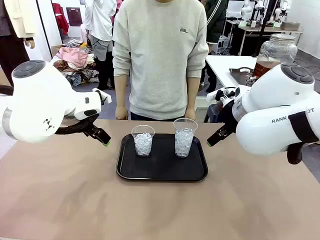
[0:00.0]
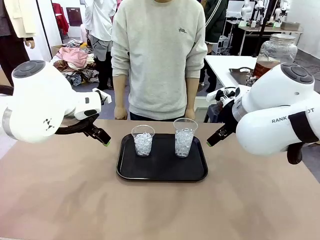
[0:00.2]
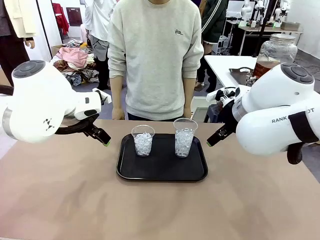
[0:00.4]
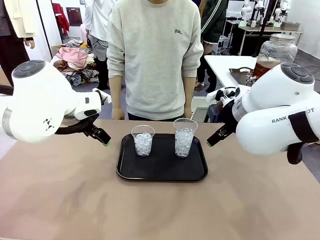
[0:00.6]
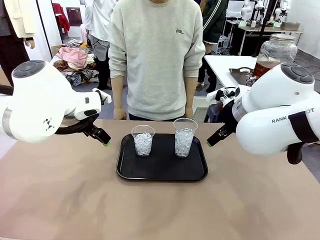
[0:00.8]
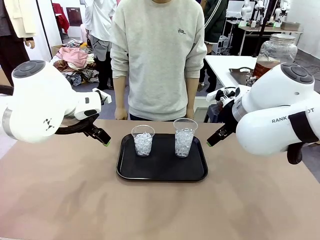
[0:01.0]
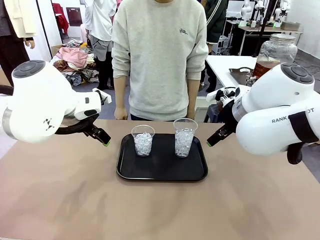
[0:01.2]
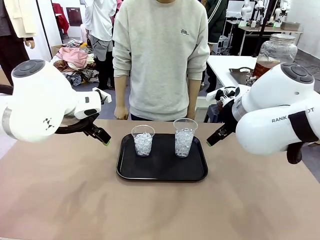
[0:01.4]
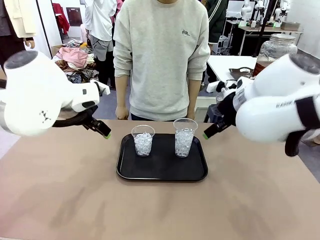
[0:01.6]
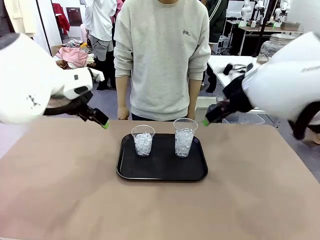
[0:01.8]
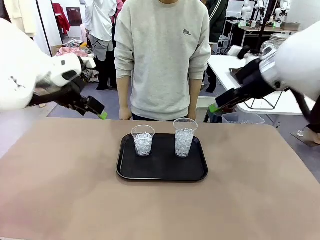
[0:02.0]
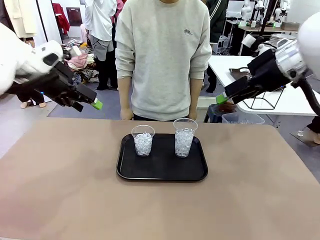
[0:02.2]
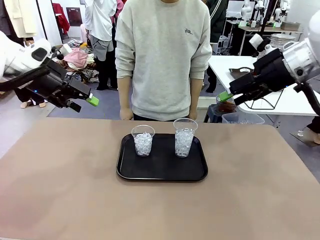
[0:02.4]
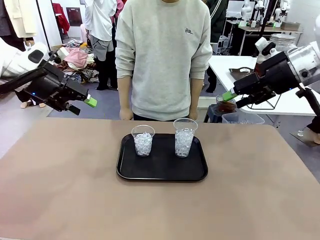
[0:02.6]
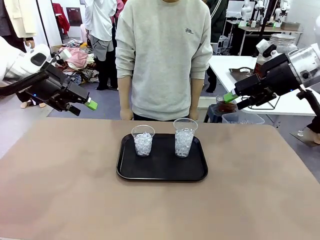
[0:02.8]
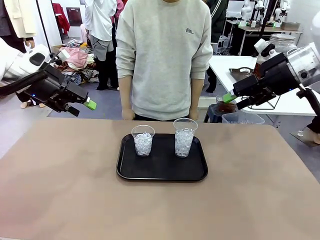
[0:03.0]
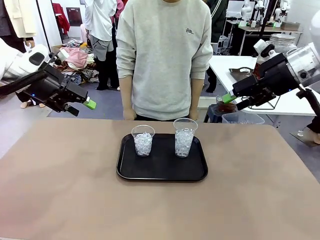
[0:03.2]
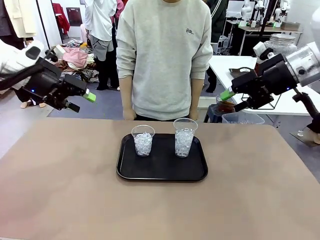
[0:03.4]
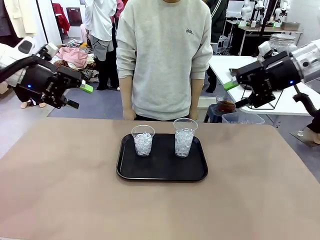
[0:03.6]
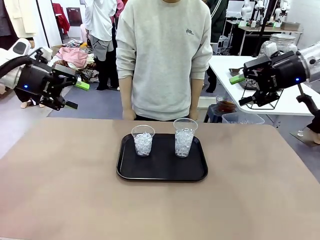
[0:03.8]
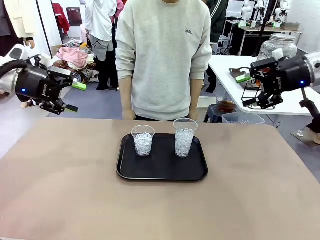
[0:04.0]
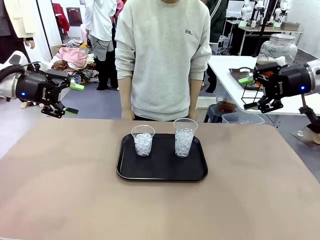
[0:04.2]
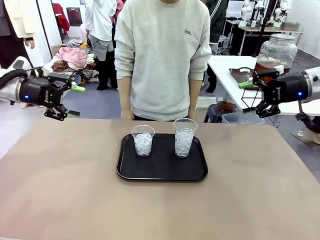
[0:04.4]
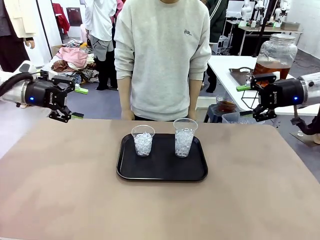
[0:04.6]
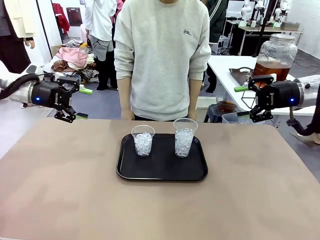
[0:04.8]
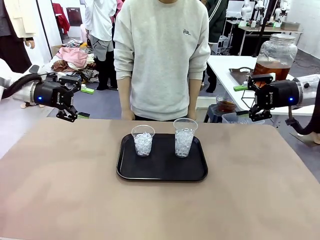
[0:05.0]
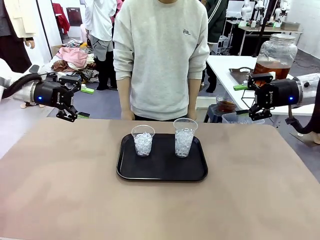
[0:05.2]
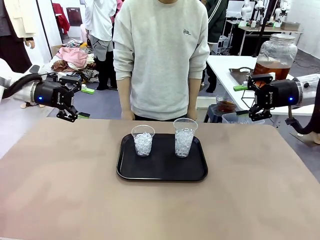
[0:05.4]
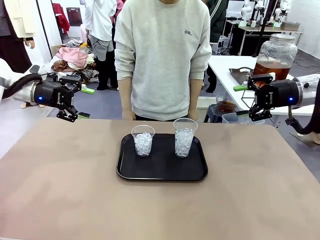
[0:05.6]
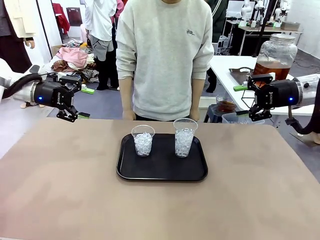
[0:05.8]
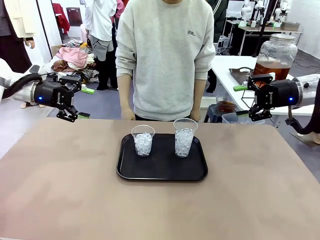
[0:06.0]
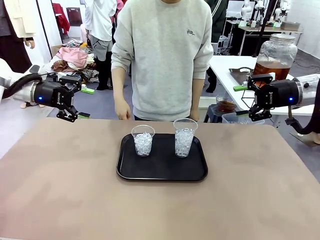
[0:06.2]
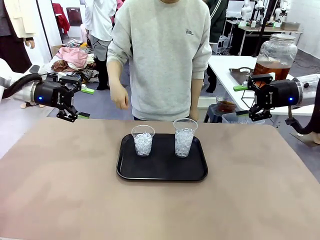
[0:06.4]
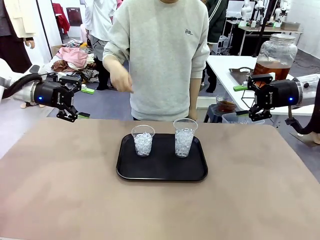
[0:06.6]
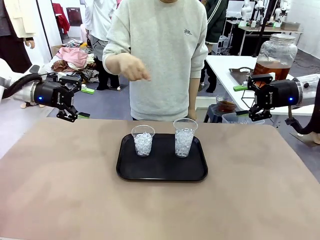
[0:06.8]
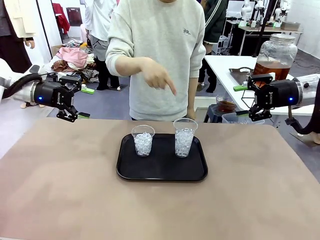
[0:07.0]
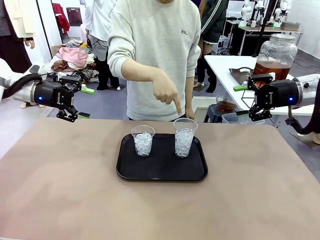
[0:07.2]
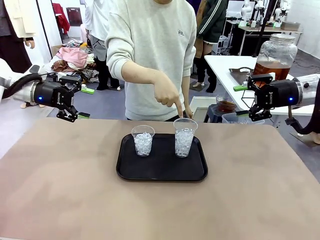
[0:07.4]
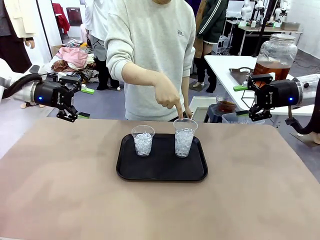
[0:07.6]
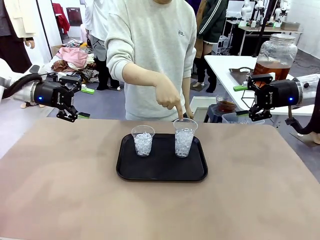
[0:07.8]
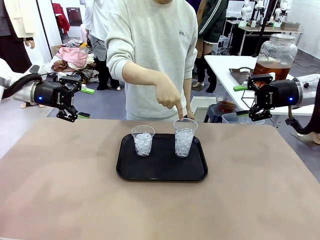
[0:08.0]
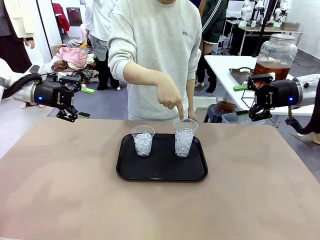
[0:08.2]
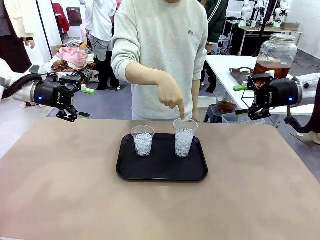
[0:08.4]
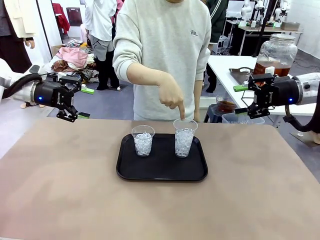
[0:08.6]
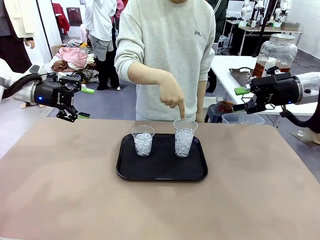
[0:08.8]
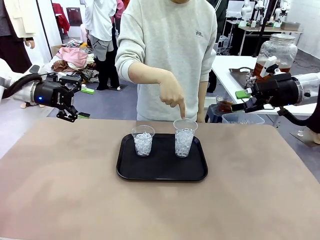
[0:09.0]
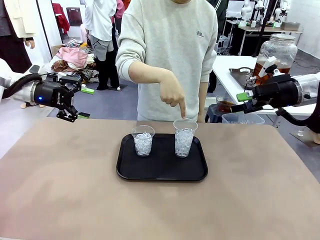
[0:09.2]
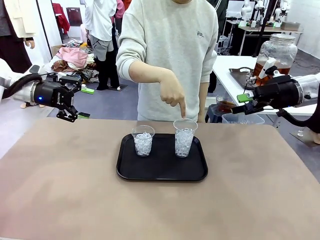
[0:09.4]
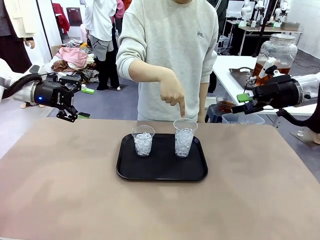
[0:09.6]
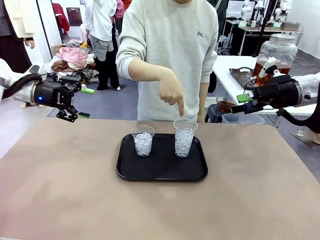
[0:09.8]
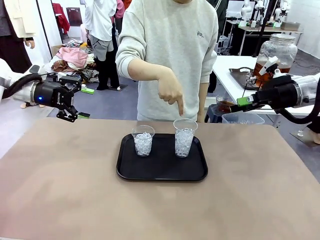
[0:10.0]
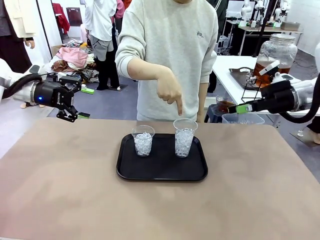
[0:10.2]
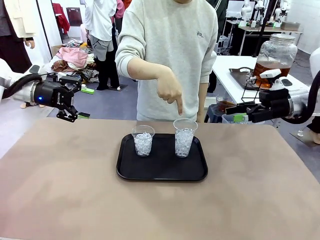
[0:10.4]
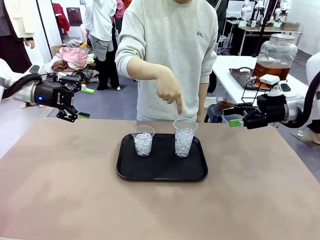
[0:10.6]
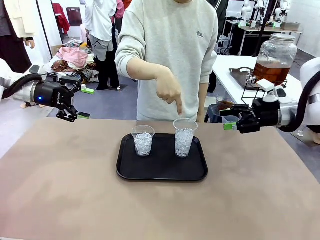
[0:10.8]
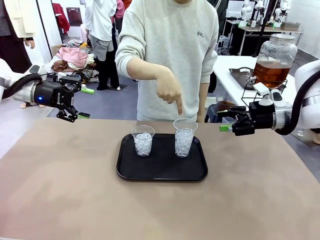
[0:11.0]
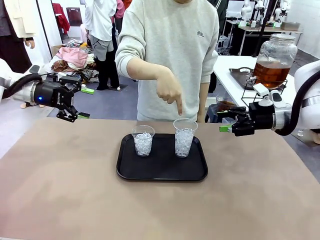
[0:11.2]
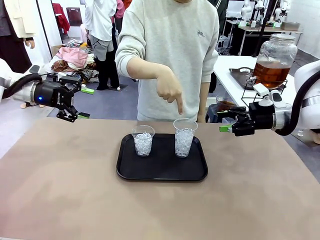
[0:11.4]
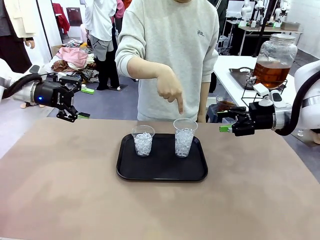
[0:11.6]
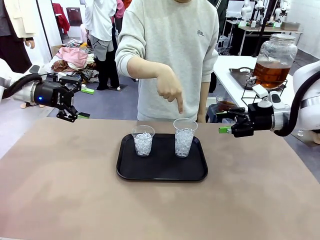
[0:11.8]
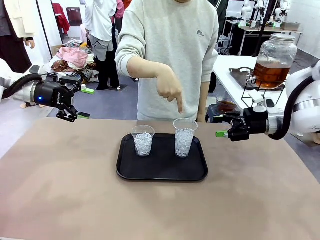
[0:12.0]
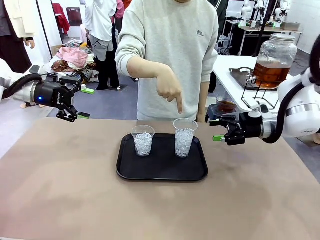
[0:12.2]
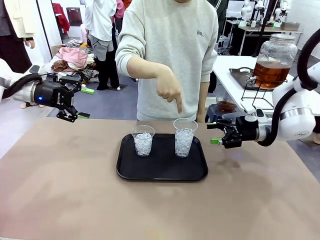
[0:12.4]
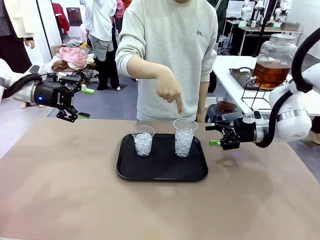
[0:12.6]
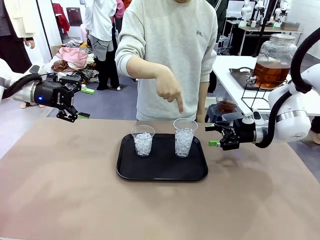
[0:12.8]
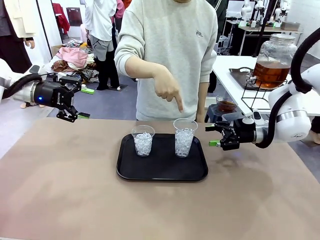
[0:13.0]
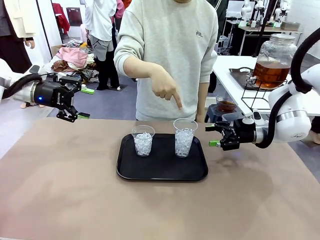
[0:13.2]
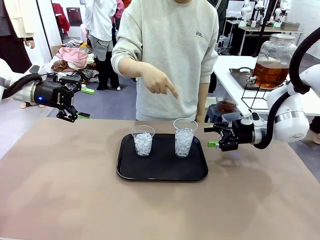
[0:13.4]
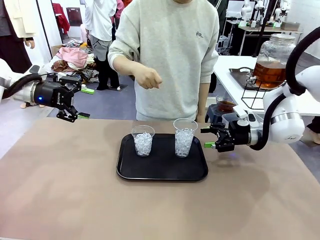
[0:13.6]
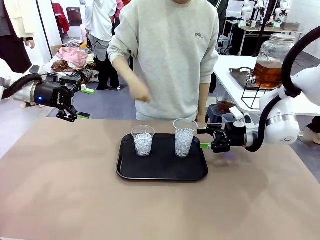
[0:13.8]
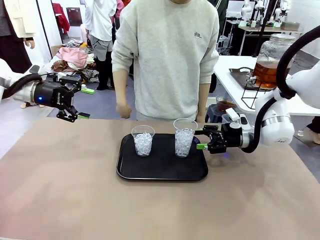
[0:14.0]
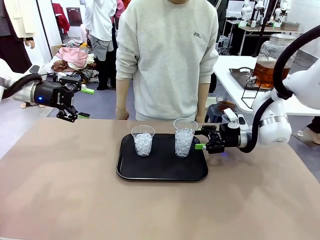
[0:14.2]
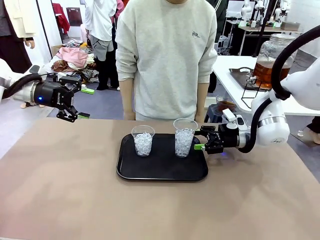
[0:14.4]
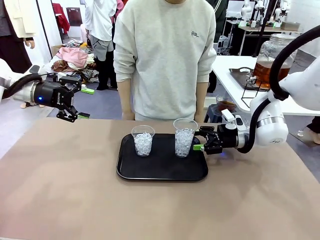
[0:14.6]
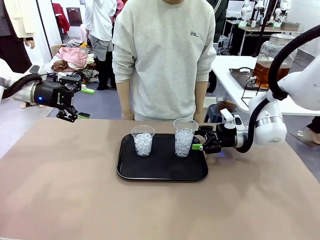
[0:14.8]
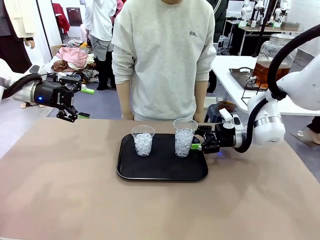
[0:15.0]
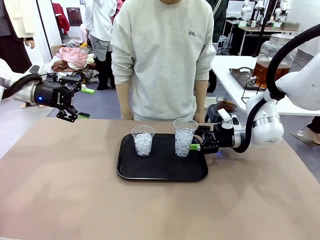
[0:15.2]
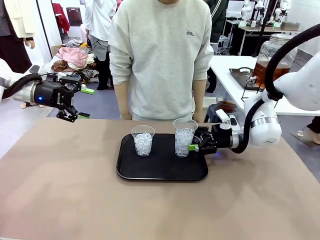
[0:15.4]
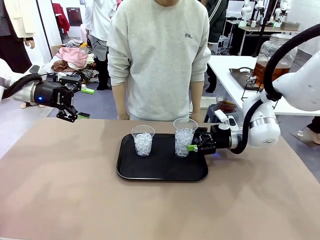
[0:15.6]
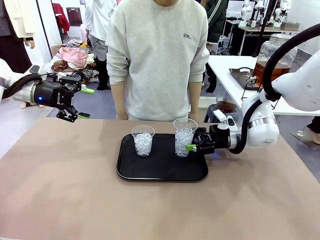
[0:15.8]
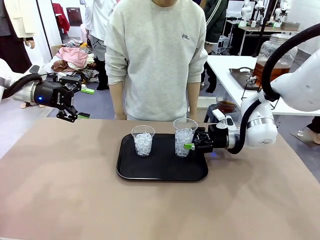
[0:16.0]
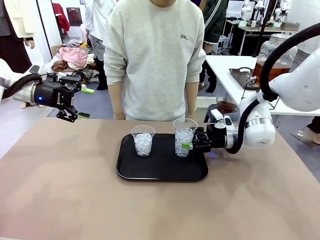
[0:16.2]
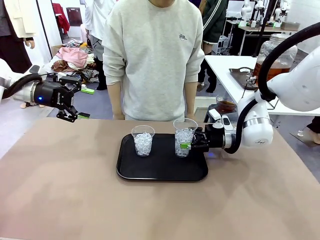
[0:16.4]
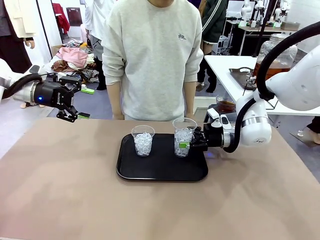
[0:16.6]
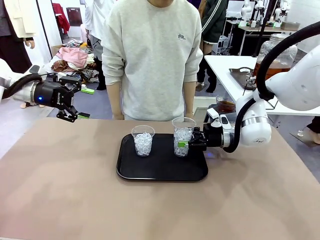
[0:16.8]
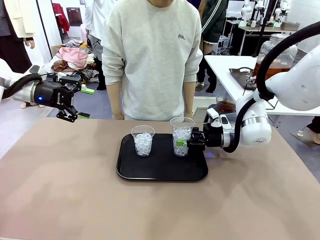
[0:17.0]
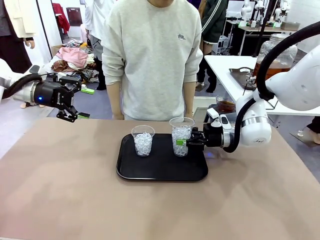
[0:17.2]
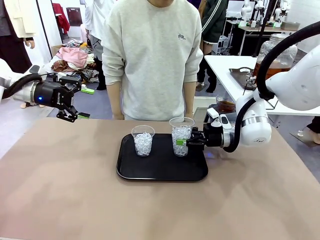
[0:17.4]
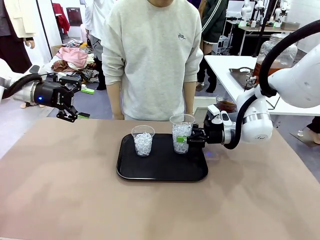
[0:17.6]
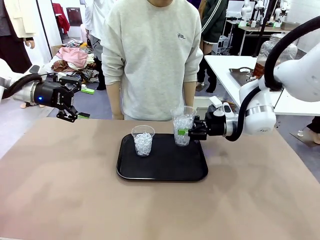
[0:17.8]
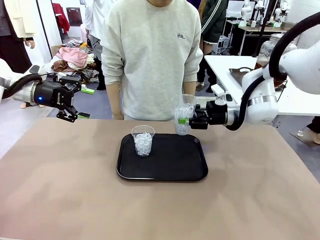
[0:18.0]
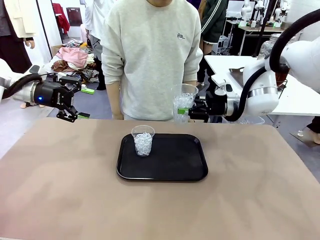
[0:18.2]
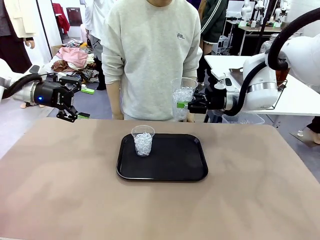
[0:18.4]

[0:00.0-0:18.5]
Task: Pour the drink into the iced cup.
Robot: Pick up the iced cup indicated by the human and present it to them.
Person: Point to one of the two ice cups. Pick up the cup offered by the robot.

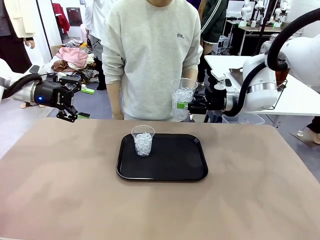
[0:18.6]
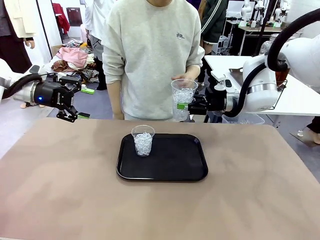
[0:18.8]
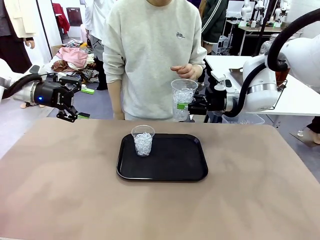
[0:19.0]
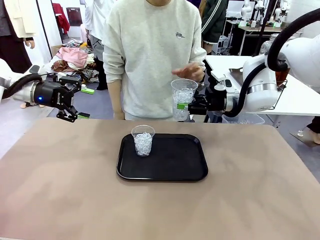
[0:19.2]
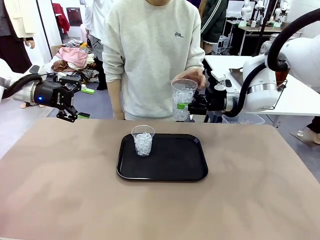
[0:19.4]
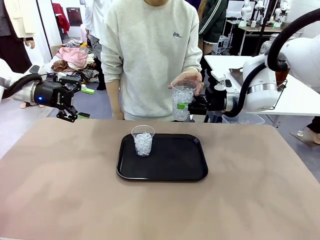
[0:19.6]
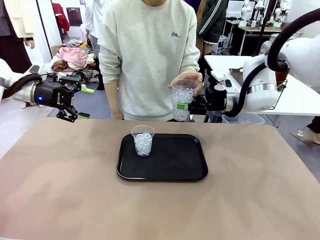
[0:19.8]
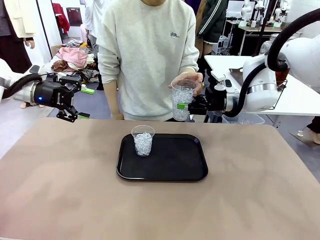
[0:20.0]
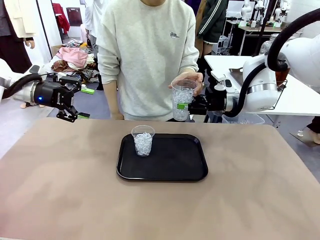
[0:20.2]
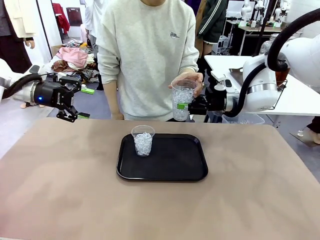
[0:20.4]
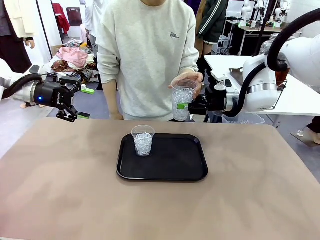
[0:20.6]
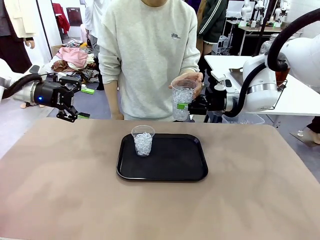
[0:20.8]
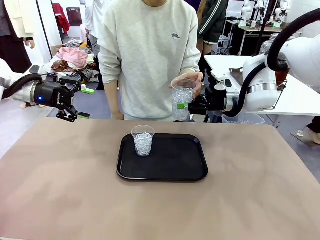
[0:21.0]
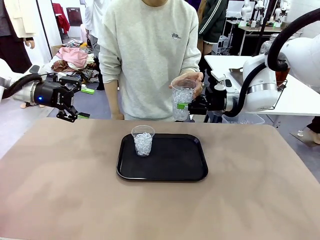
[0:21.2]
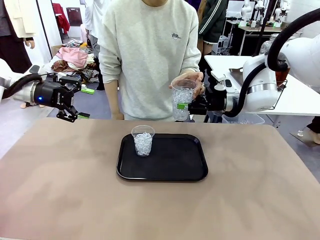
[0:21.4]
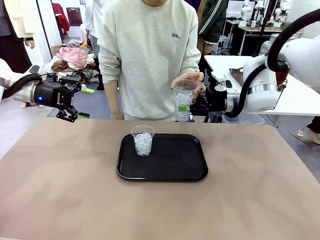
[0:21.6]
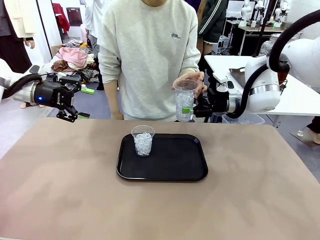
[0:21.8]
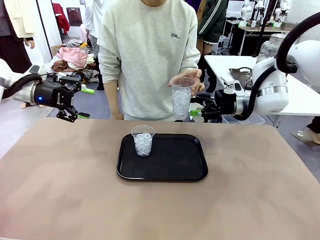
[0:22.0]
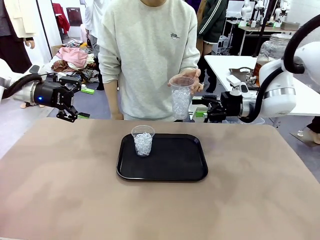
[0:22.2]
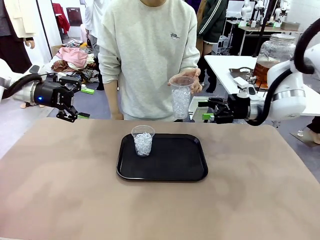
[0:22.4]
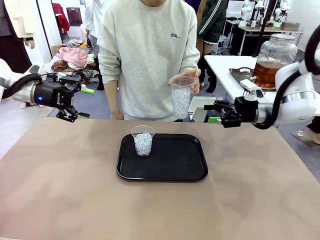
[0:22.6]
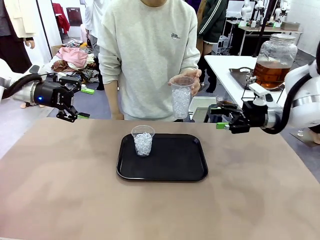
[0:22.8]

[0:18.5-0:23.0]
Robot: Open the gripper to release the iced cup you were holding.
